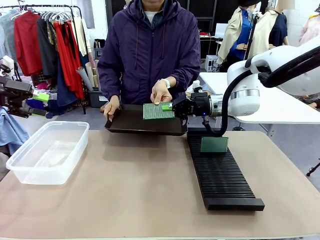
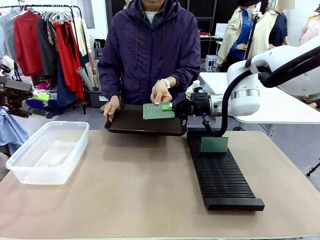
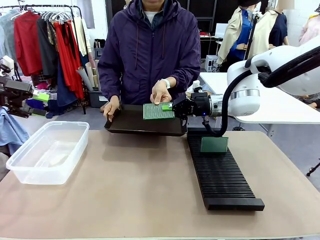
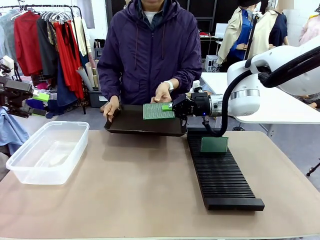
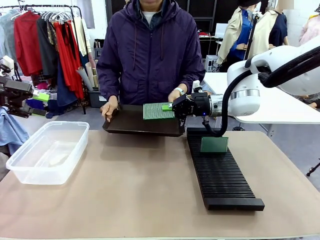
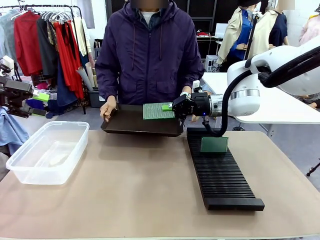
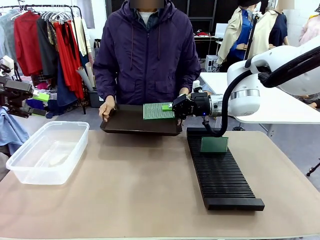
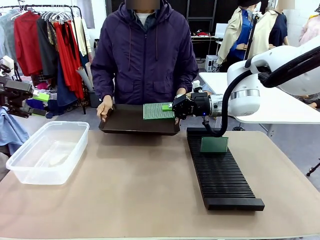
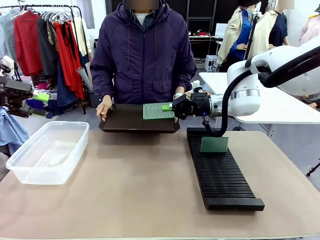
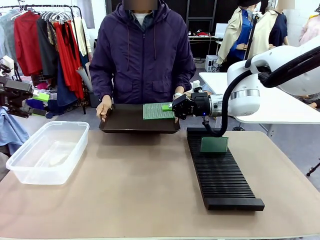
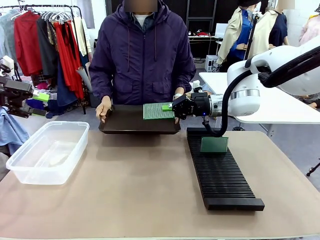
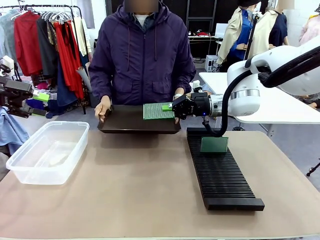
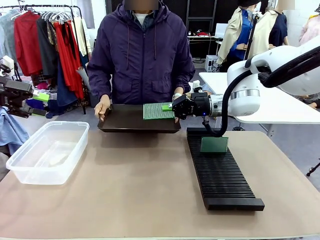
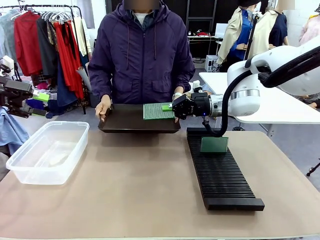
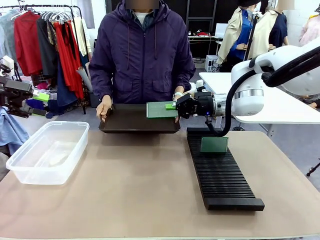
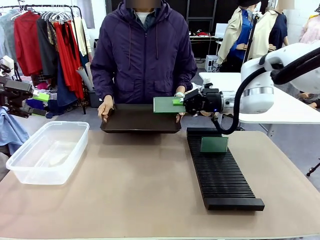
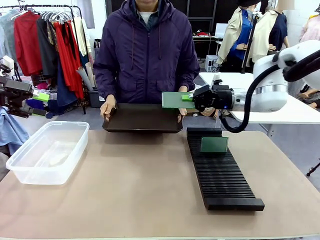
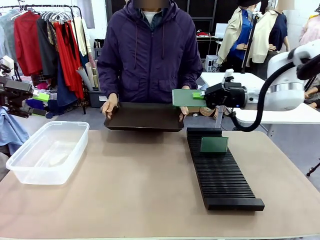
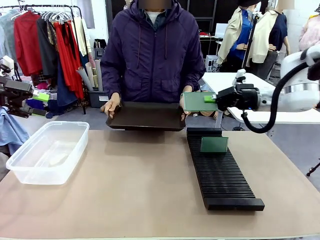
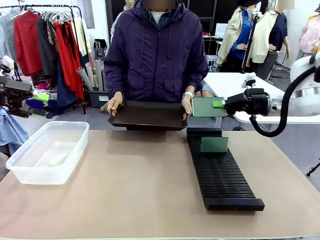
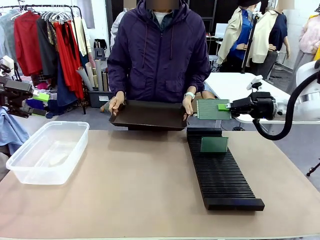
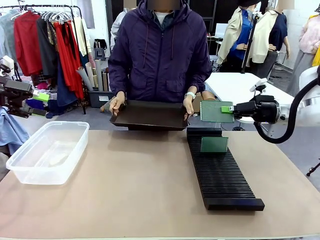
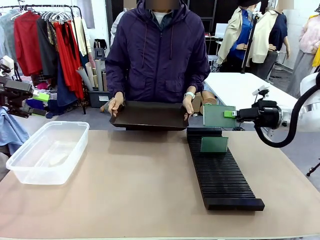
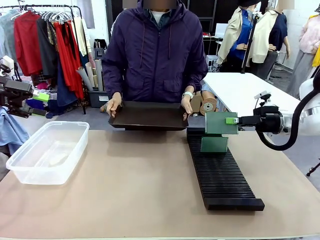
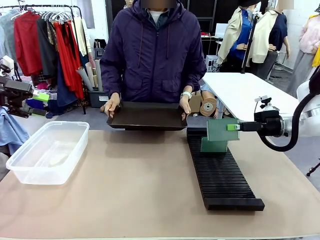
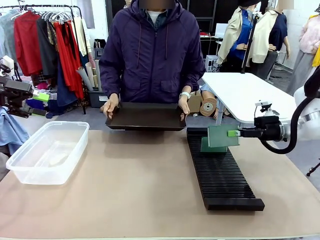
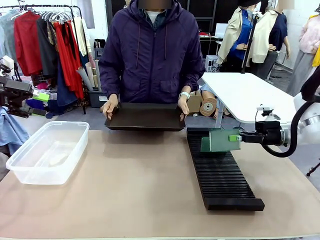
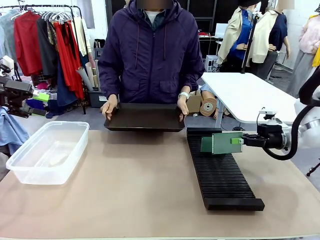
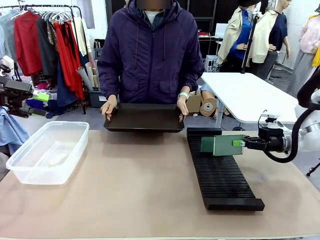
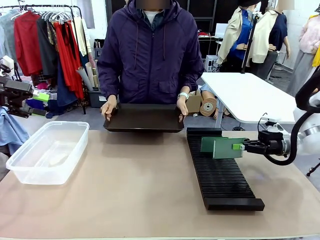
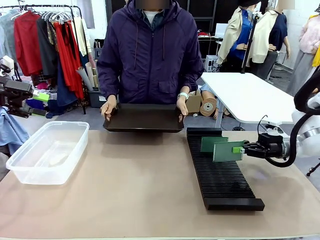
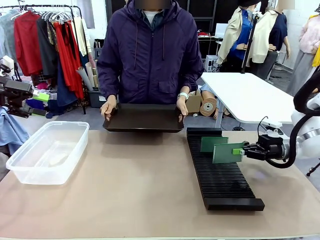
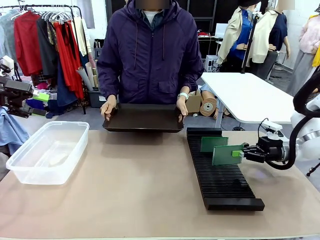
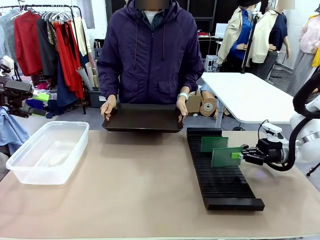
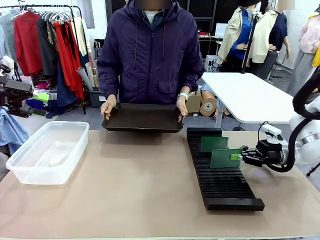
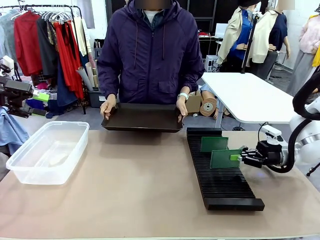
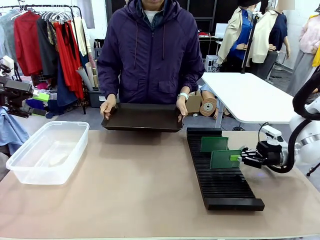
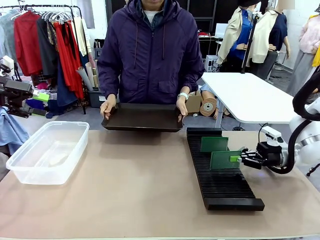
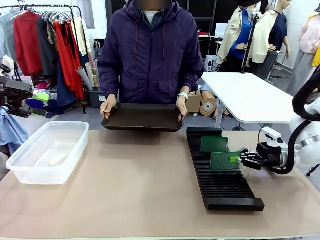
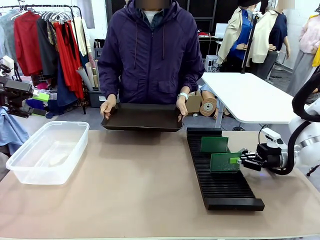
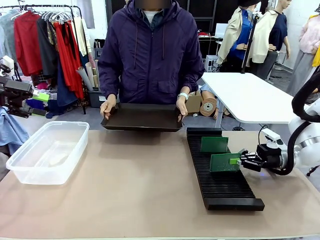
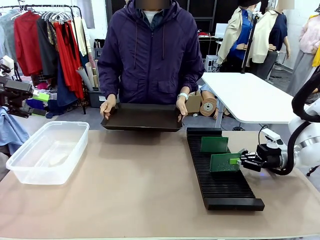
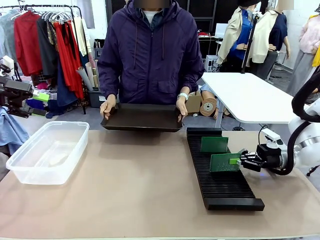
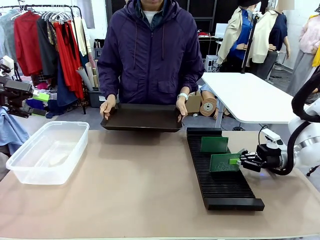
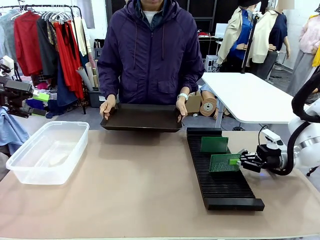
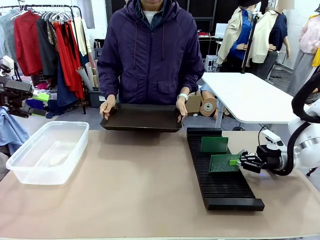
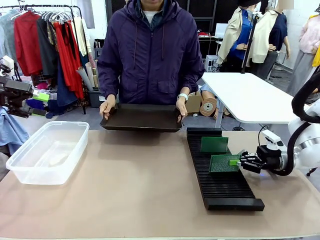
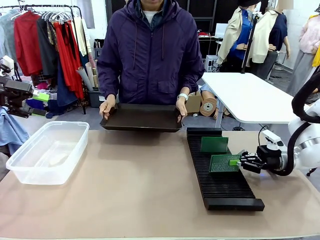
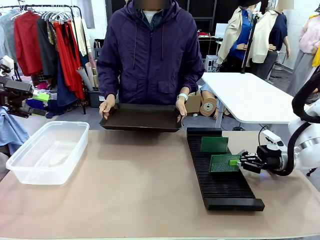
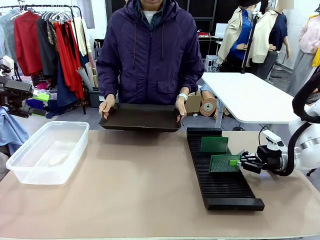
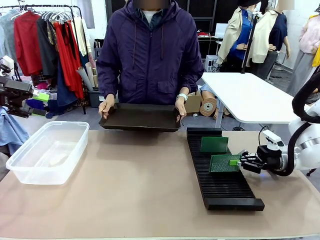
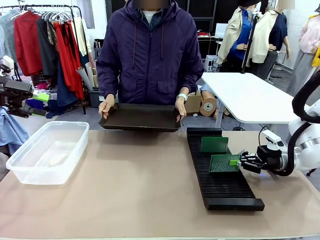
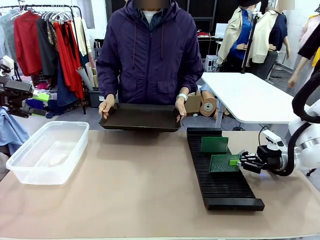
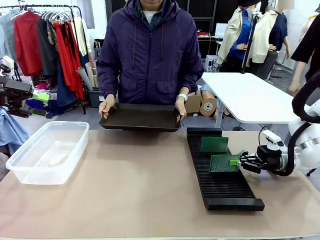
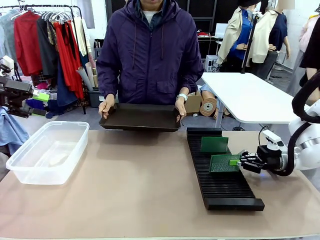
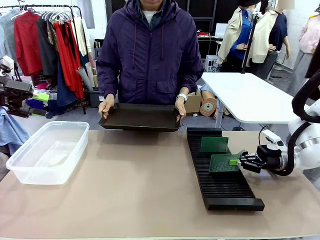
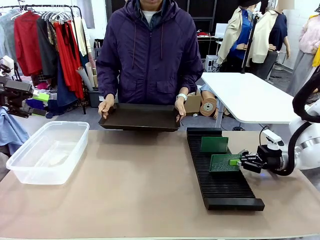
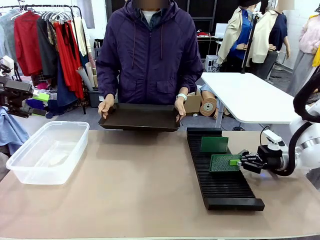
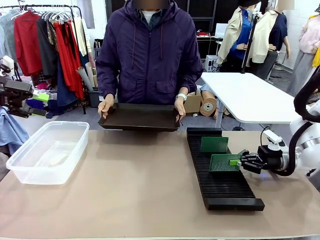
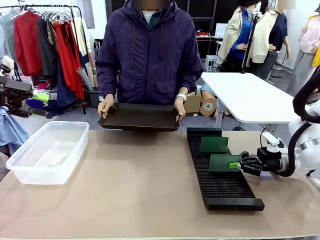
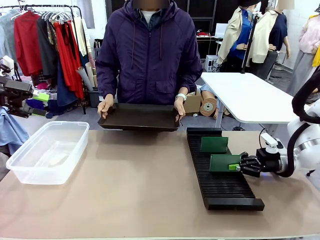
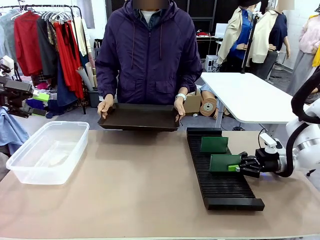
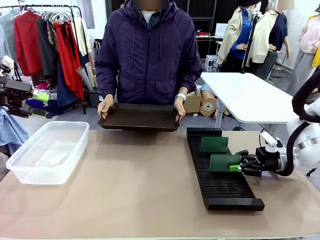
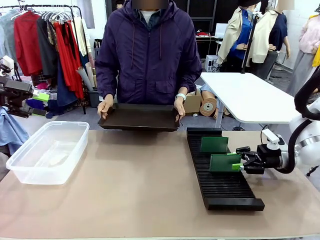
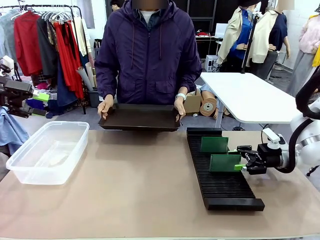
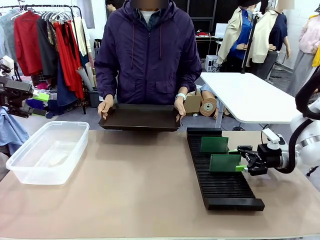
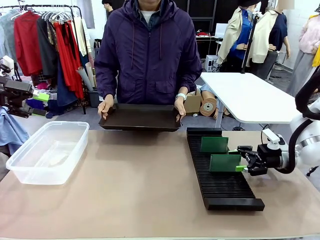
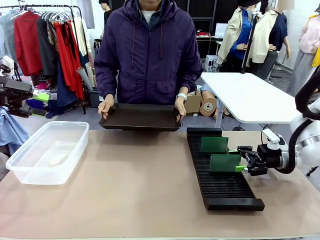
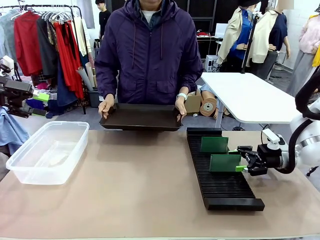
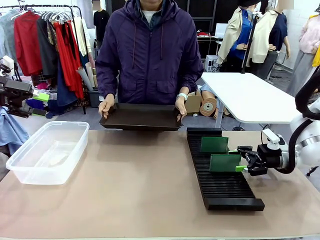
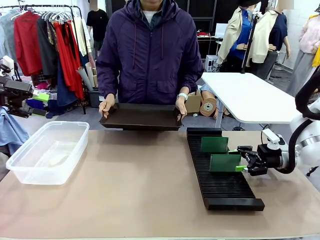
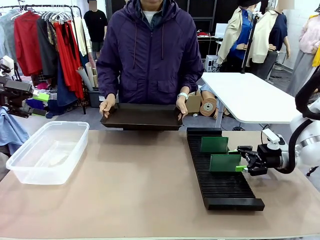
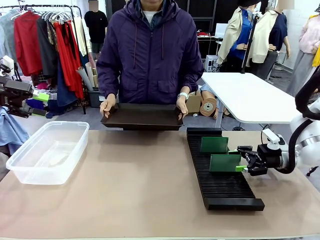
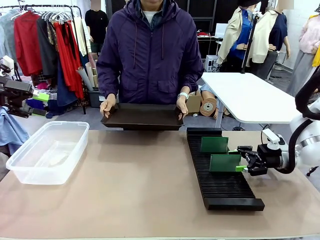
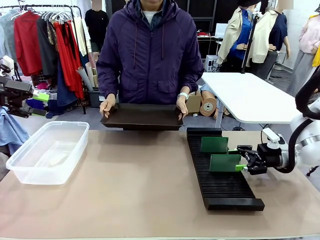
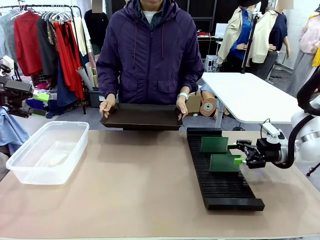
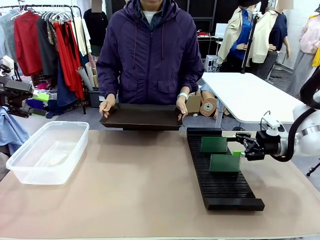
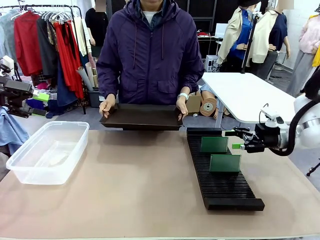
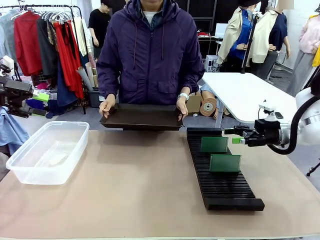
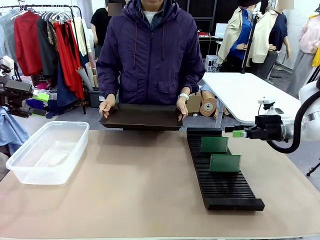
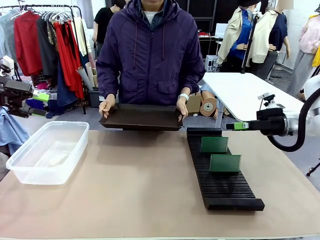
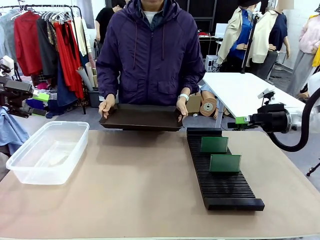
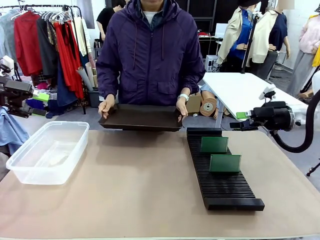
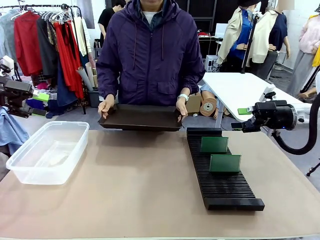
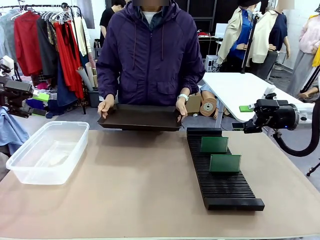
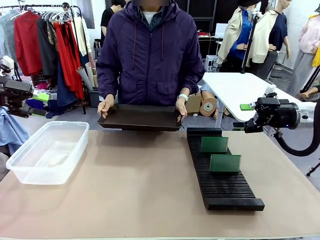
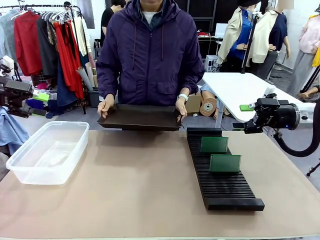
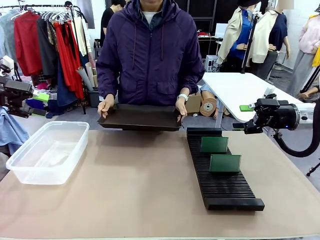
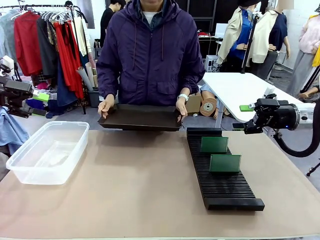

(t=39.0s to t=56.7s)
Task: Sort PCBs into racks and boxes based on the side picked up.
Robot: If the short side of the Blank PCB is picked up, insert it into the PCB Rack ; if the long side is picked up, place it in the Organizing box.
Person: Release the PCB being held.
